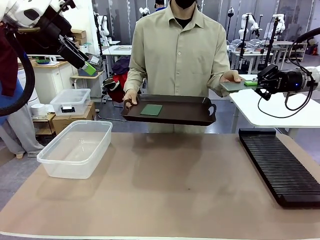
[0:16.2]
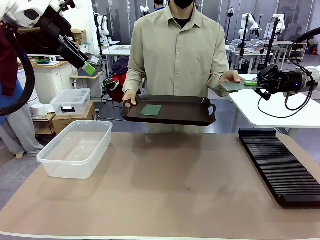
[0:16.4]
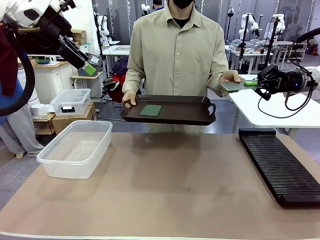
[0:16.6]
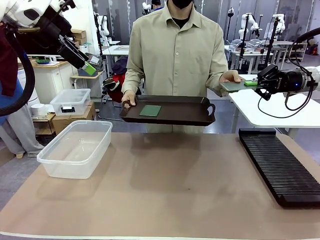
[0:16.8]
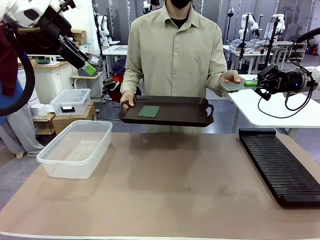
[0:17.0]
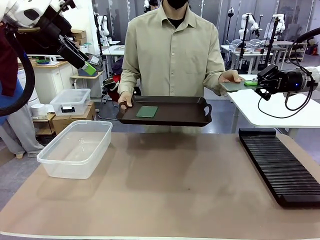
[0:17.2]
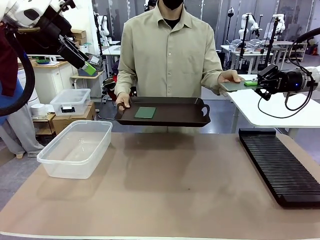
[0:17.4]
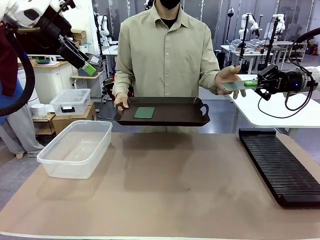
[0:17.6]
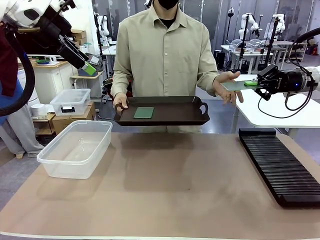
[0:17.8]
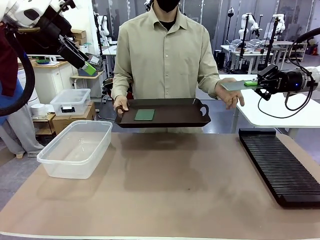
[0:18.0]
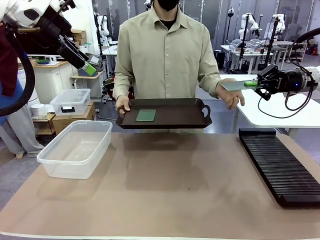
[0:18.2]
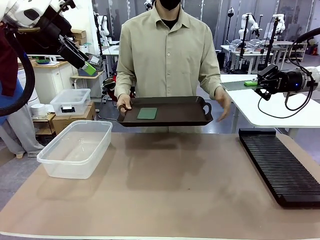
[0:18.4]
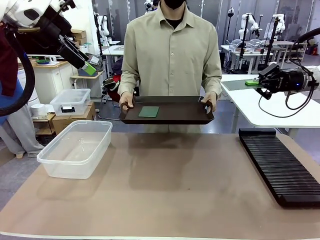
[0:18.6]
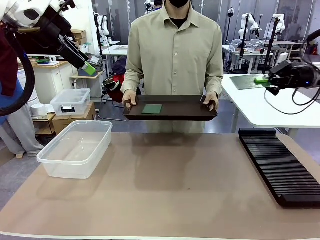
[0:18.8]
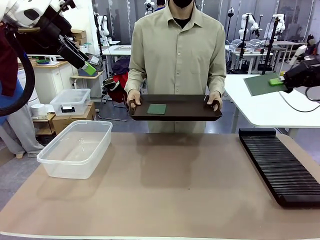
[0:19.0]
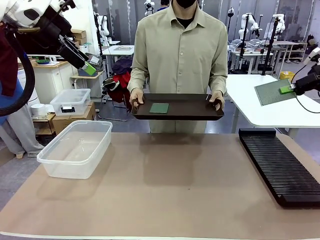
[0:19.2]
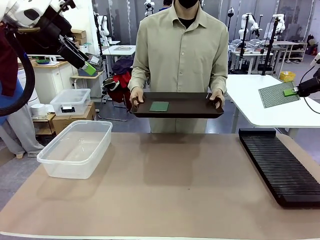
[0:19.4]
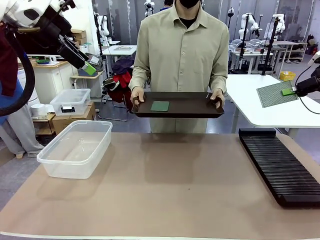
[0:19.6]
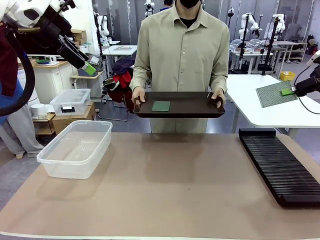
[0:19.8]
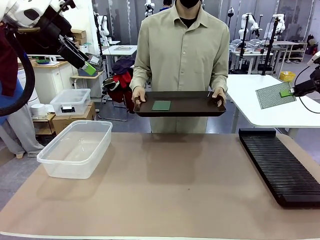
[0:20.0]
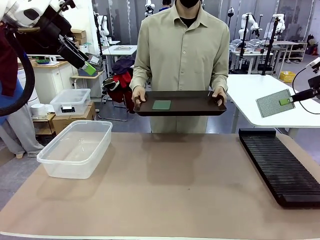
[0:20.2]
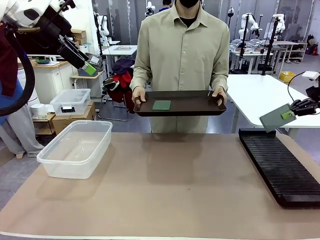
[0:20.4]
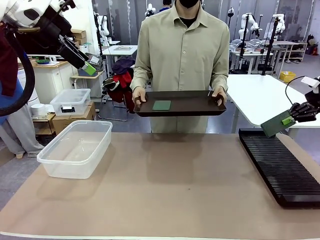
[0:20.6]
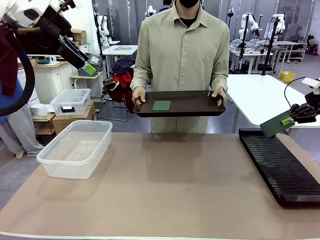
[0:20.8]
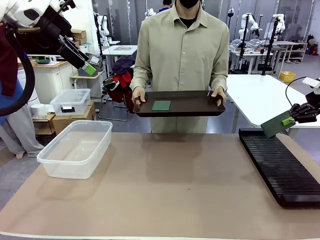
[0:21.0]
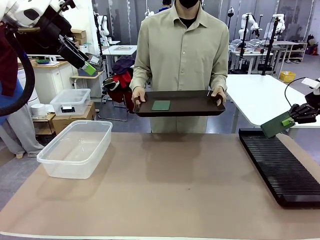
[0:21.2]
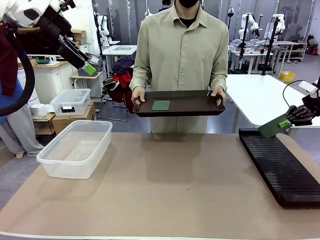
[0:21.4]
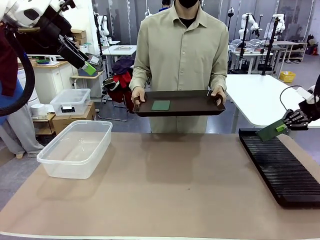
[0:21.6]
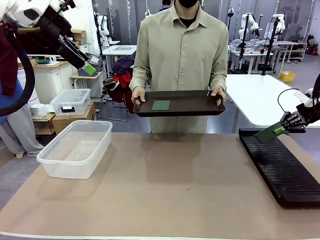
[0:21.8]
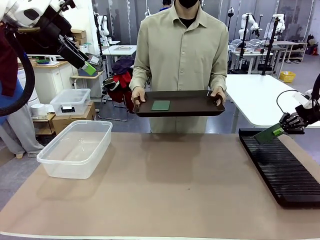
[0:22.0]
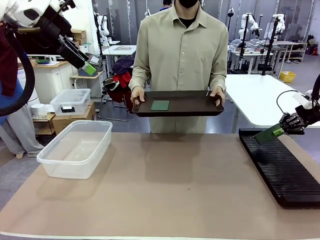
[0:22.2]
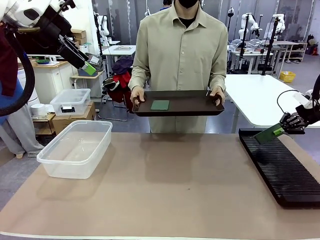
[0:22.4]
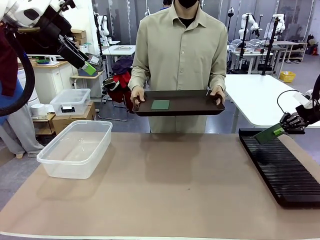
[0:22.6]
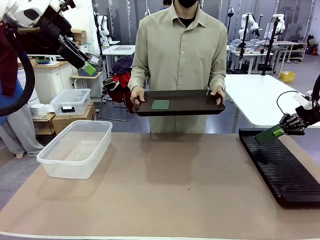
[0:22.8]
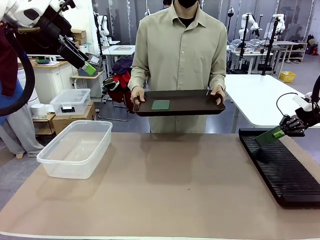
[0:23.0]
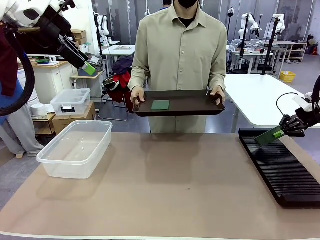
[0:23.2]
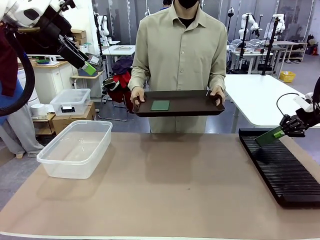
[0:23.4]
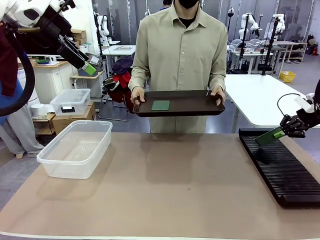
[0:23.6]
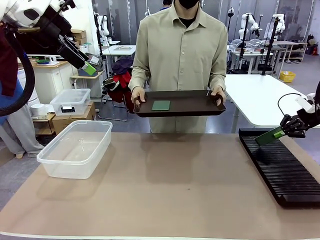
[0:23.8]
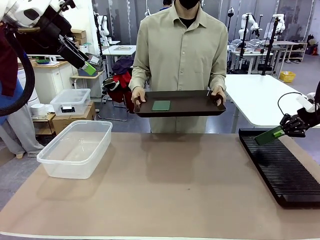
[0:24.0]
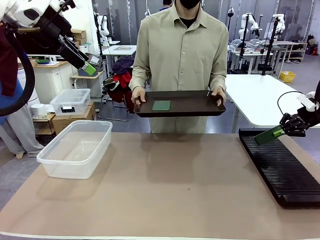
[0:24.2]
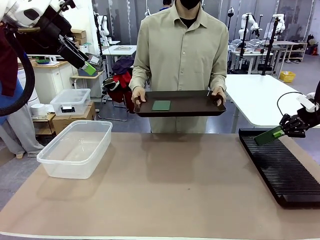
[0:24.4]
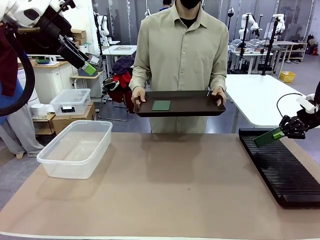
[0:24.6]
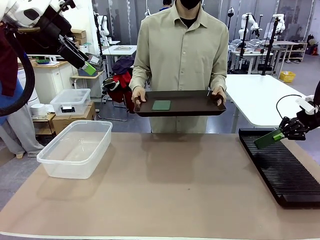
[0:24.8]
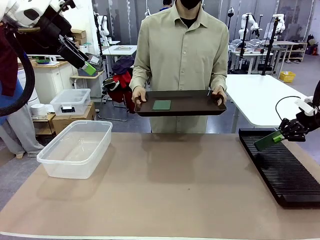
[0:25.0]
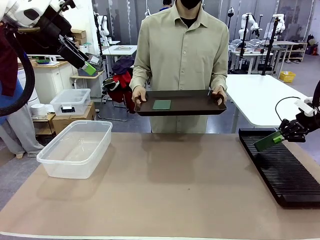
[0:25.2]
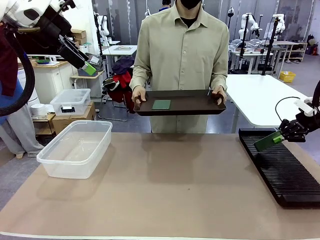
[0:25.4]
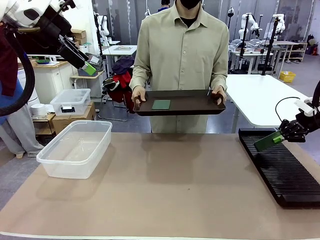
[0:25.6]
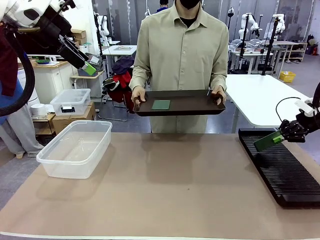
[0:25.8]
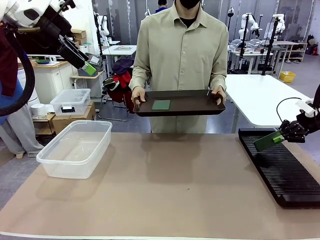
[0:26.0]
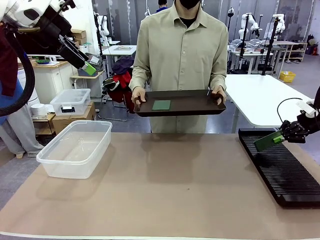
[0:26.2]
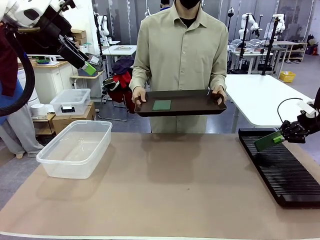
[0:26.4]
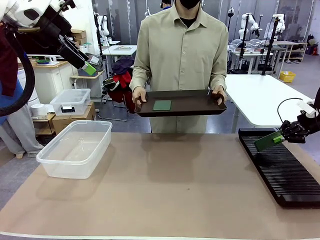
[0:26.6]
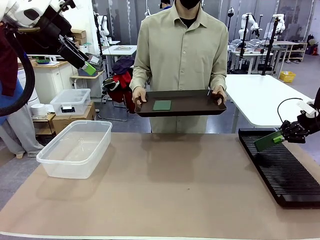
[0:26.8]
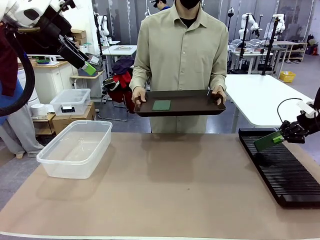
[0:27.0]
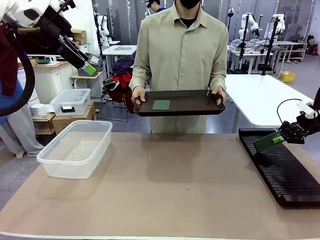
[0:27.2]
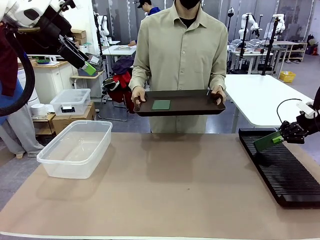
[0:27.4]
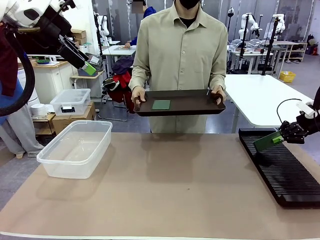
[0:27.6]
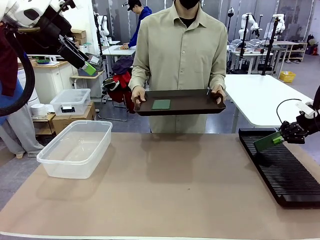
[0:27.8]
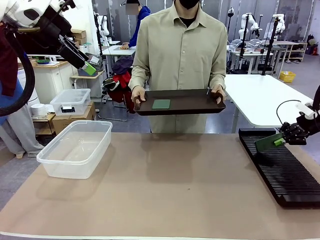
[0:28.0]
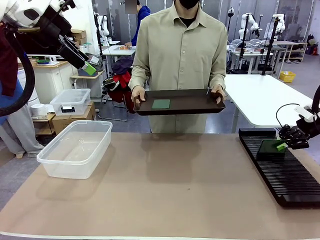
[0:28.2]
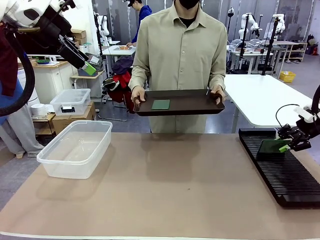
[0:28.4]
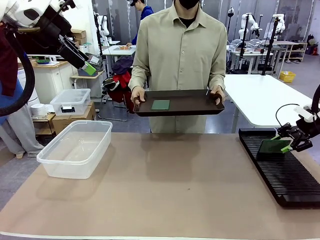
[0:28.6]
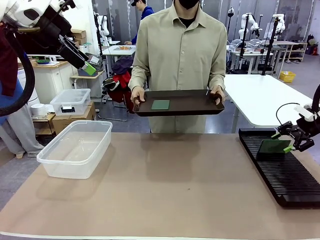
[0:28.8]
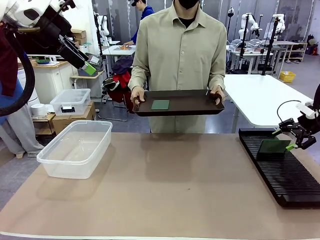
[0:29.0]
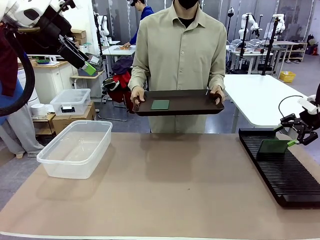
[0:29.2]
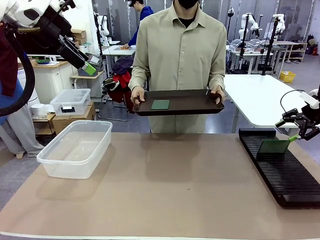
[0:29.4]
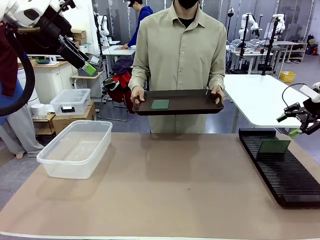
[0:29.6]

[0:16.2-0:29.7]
Task: Sort PCBs into racks and boxes based on the side picked up.
Robot: If the short side of the Blank PCB is picked up, insert it into the PCB Rack ; if the long side is picked up, place it in the Organizing box.
Person: Pick one PCB from the tray and present it to the robot.
